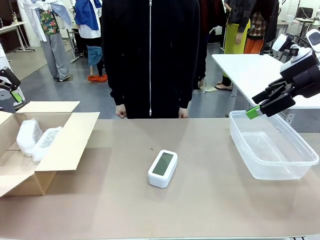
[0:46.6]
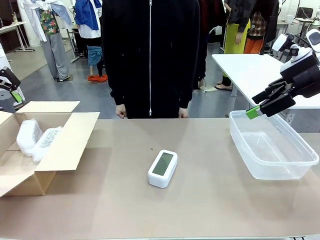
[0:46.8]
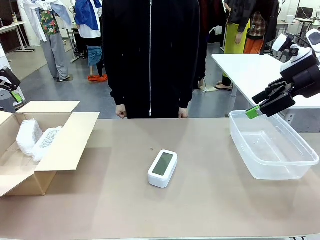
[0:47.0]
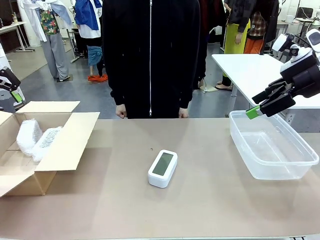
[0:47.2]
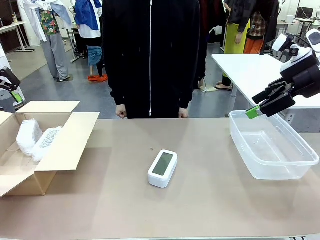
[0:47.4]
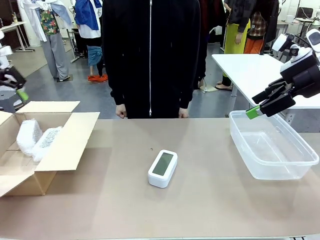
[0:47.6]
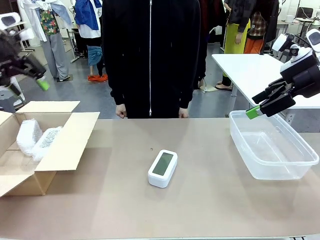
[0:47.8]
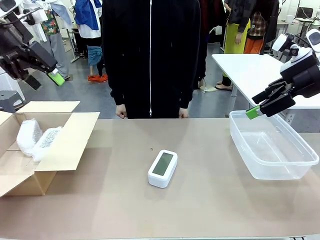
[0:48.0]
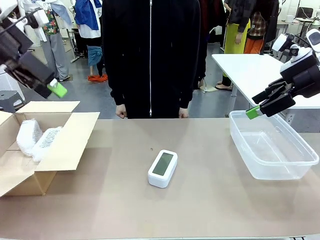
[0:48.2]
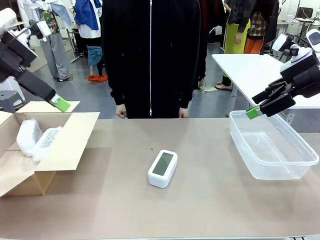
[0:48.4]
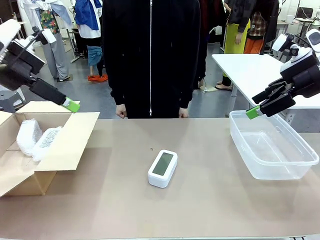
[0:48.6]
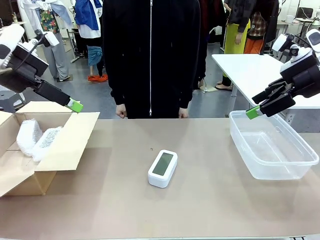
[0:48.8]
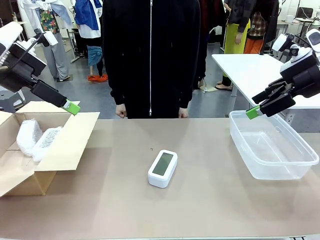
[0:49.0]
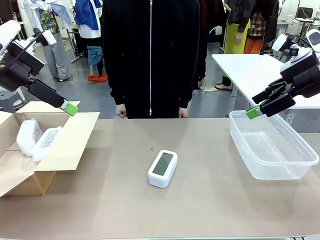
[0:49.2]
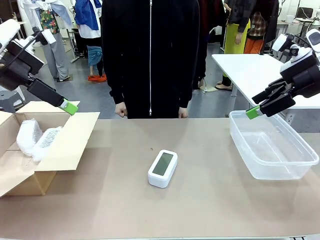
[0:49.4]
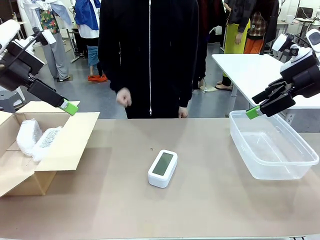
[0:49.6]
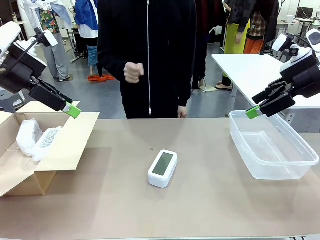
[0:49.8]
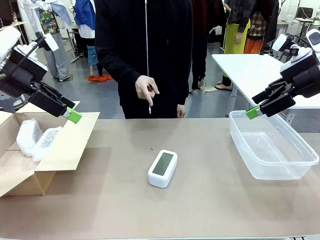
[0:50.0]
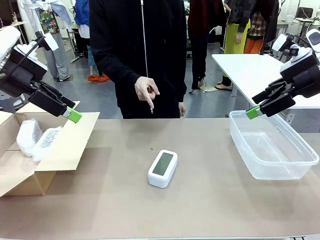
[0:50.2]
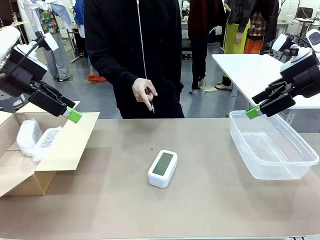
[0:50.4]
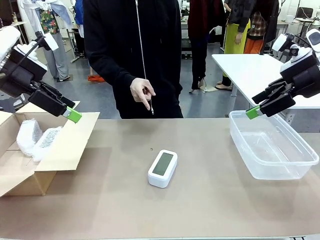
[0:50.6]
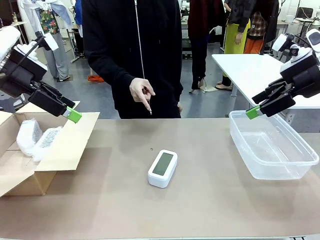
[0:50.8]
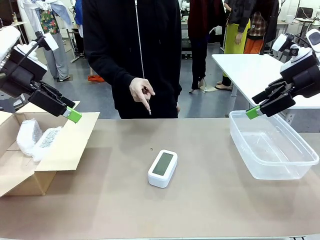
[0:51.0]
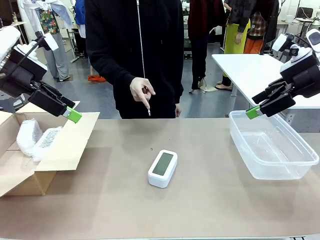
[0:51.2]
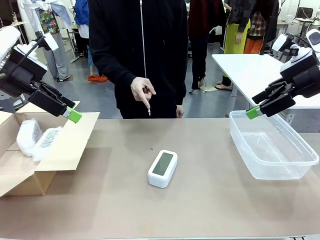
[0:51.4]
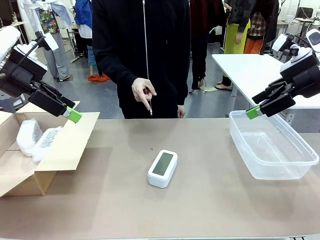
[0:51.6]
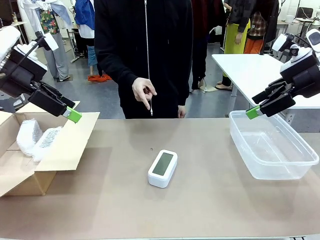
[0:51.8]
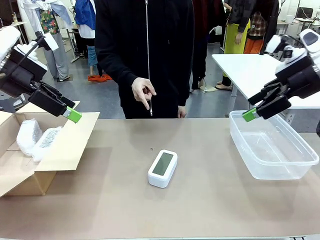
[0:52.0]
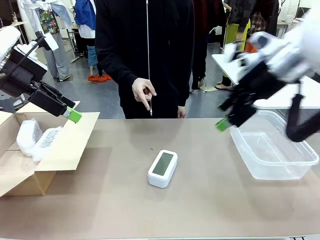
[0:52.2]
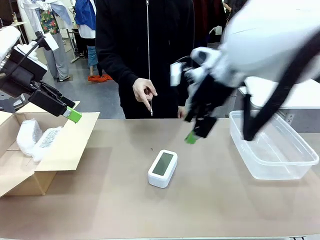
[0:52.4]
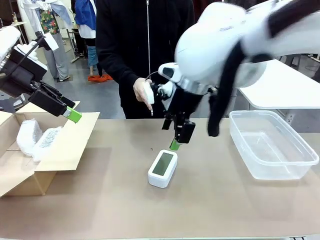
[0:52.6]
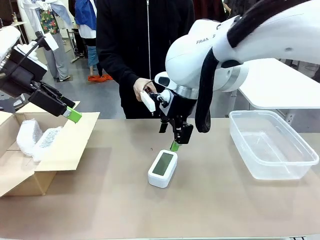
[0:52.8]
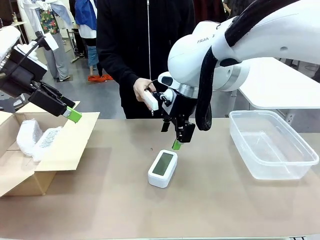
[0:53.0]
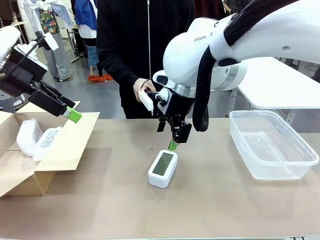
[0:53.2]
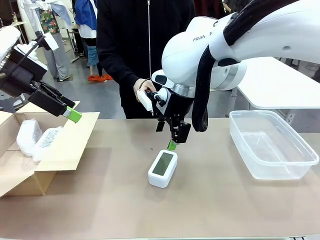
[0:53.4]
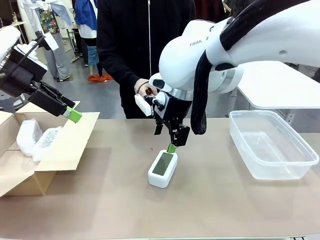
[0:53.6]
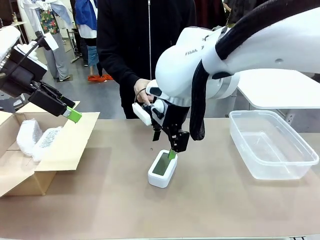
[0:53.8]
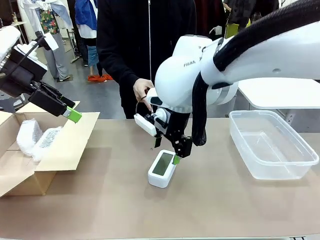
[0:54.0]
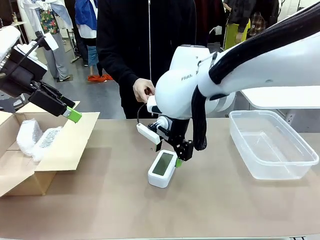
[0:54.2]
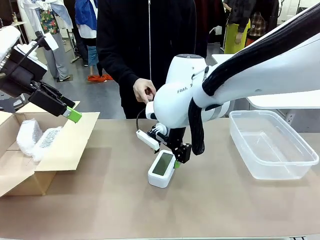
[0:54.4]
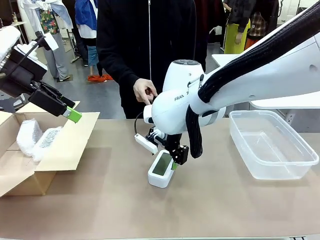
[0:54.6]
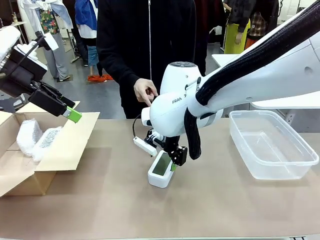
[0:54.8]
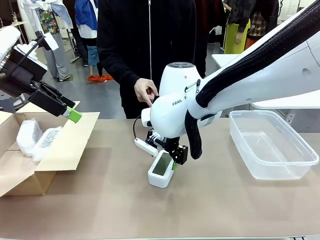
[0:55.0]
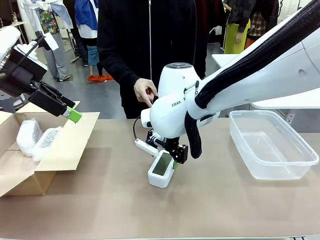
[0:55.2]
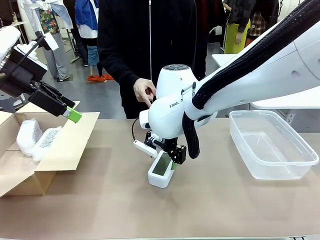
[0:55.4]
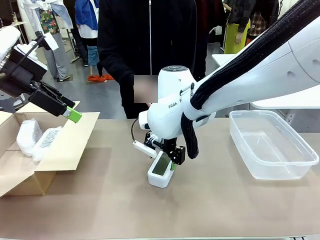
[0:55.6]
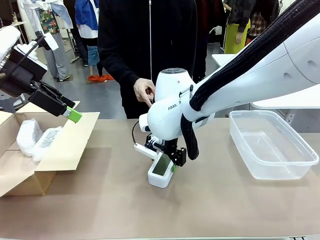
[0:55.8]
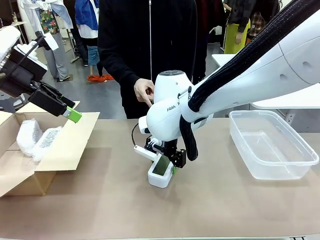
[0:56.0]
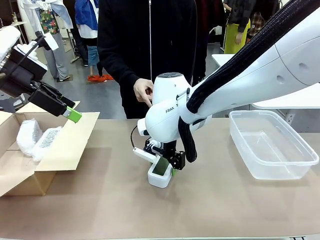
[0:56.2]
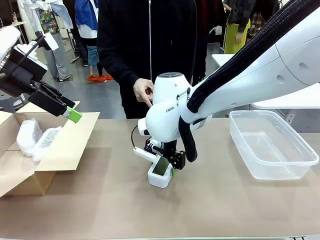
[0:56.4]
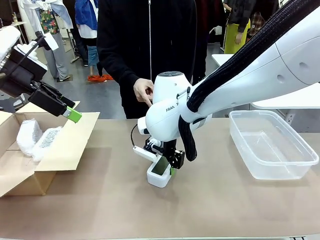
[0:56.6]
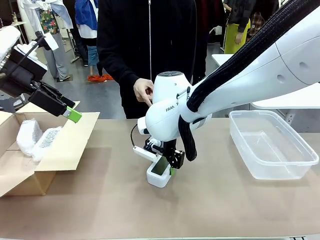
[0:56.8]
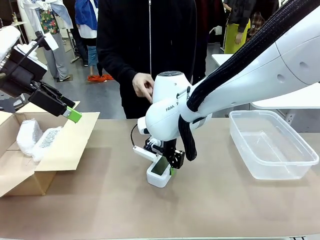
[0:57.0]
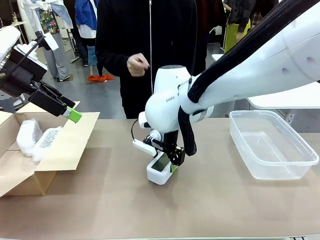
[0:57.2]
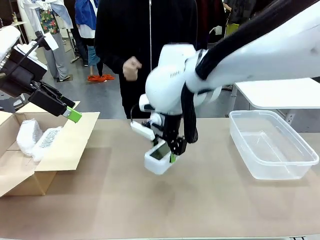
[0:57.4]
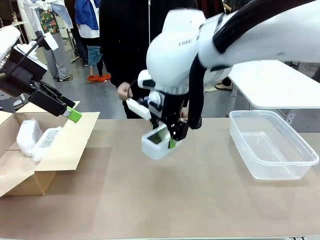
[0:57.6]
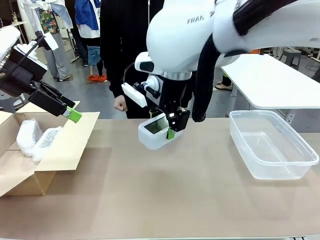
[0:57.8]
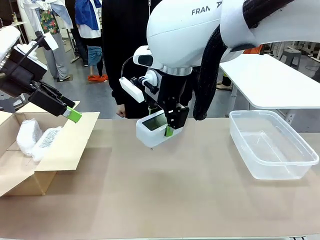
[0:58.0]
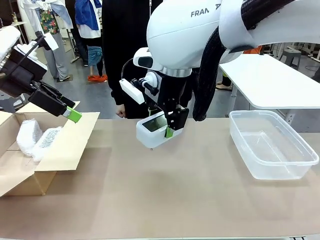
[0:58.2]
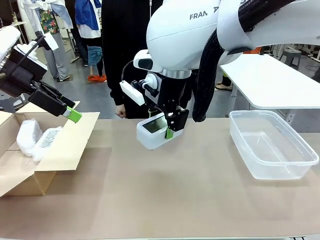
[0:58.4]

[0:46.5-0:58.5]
Task: Separate and place wrapped and unwrapped clocks.
Robot: Pick up the Digital clock indicated by the person.

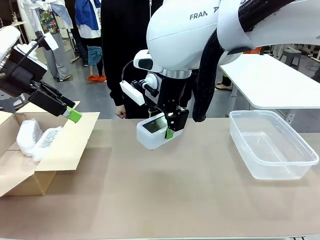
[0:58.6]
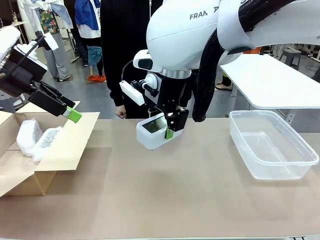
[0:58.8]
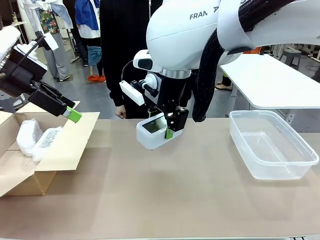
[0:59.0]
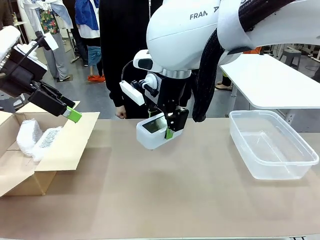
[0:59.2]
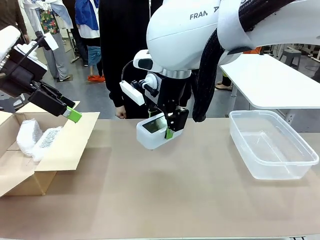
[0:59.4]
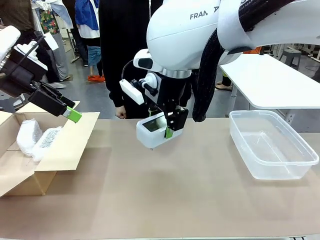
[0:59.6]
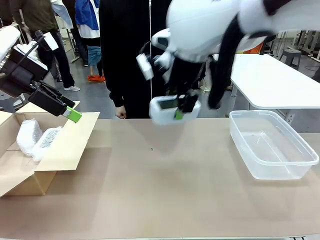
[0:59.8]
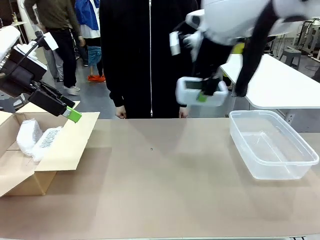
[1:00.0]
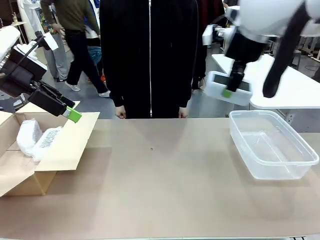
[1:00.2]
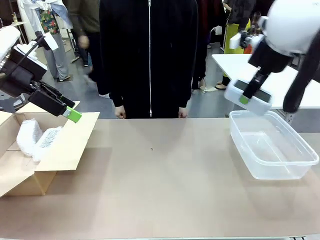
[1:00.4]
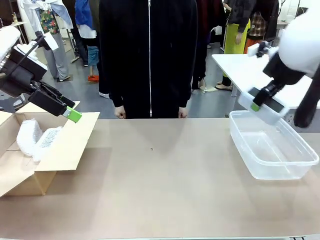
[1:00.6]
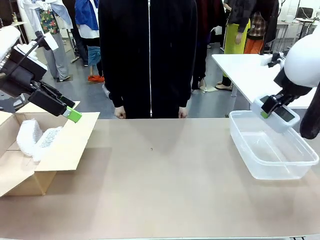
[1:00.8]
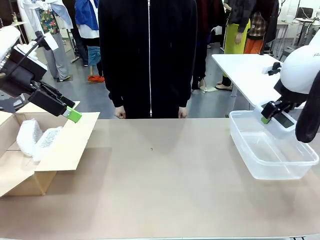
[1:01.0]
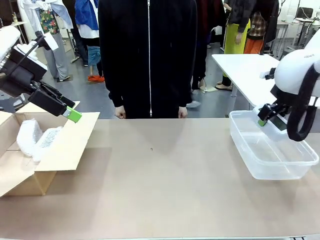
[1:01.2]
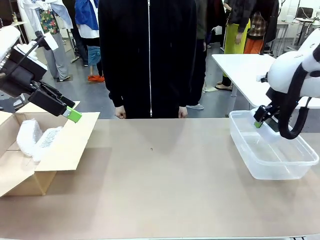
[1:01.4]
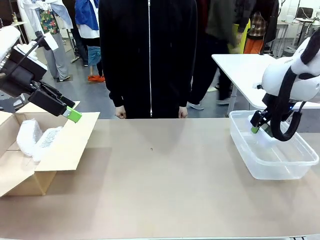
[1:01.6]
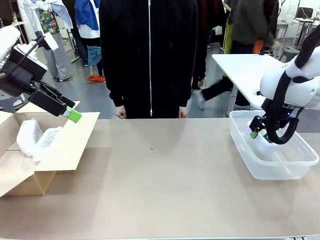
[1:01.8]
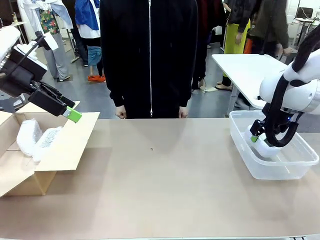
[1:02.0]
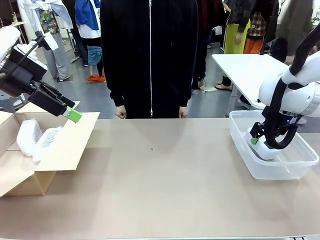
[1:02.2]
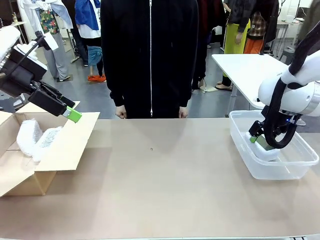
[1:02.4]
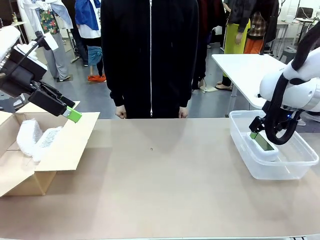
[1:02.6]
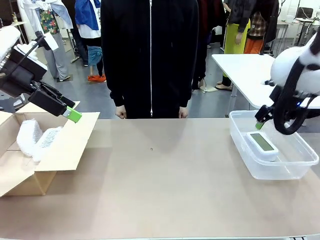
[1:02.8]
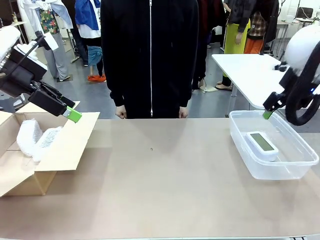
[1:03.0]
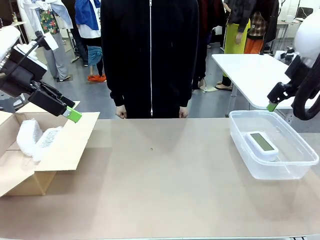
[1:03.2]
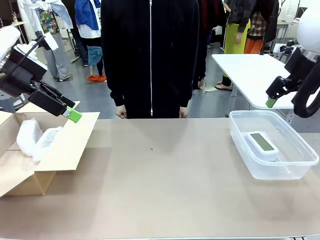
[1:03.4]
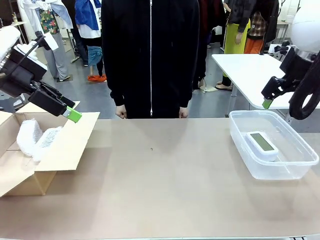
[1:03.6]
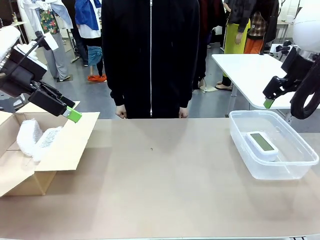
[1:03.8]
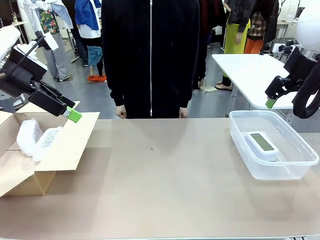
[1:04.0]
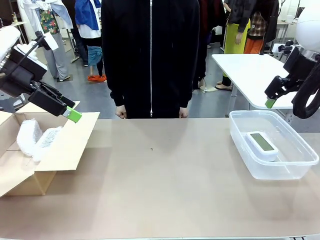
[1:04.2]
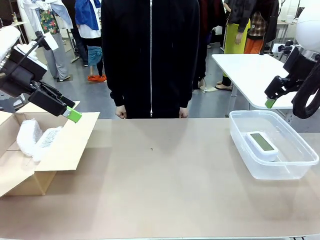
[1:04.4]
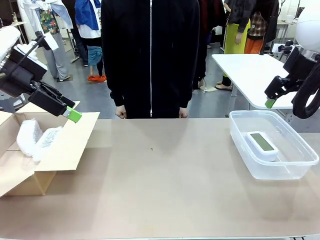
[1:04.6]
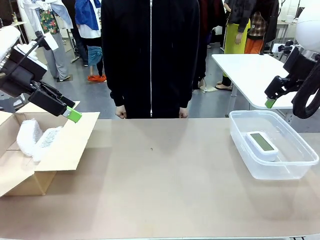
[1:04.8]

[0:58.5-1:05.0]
Robot: If the picked Digital clock is wrapped, place it in the Package Box ; if not, place it in the Organizing box.
